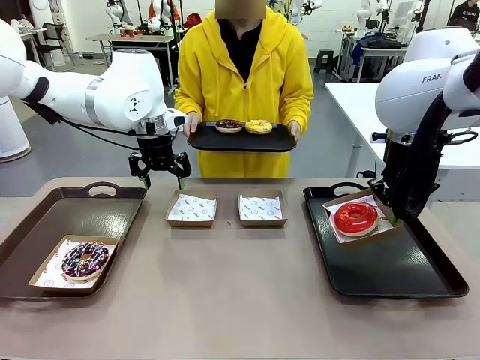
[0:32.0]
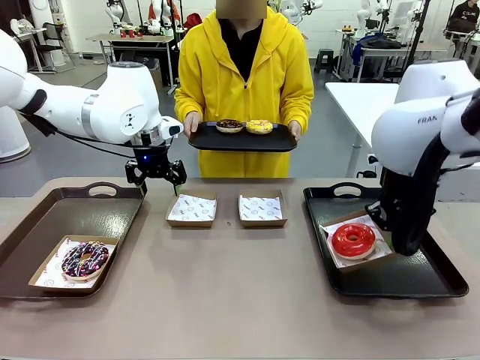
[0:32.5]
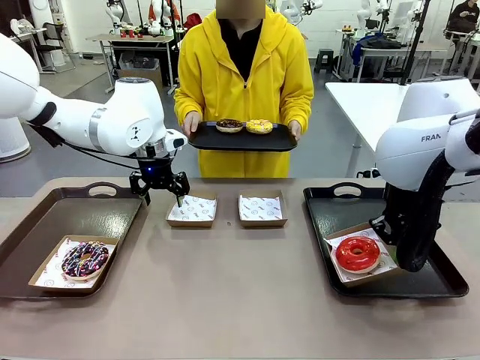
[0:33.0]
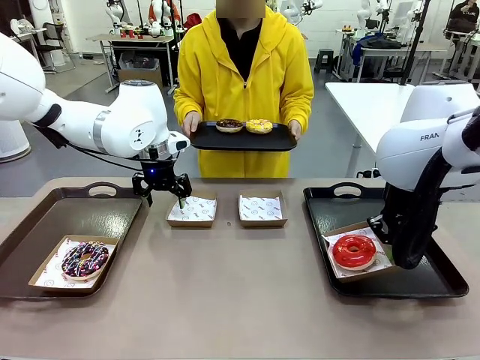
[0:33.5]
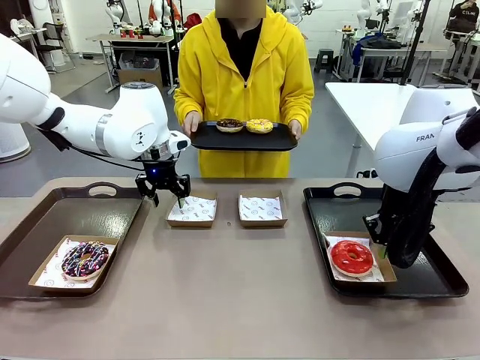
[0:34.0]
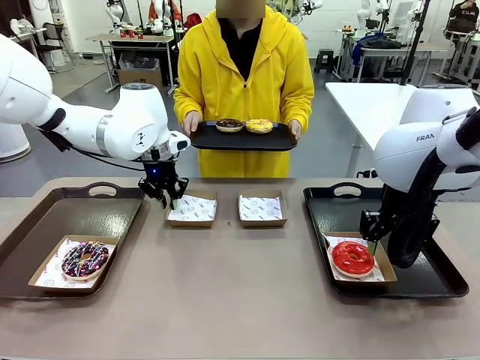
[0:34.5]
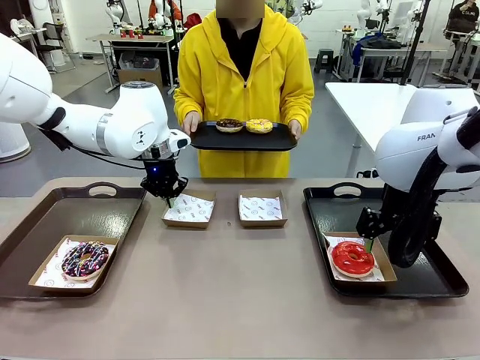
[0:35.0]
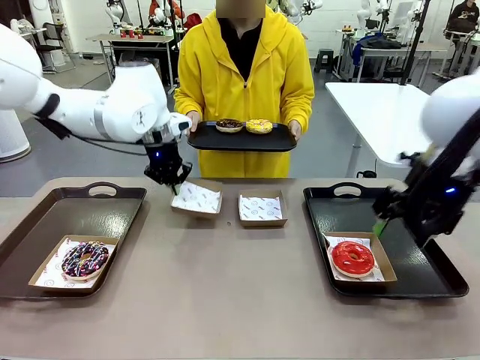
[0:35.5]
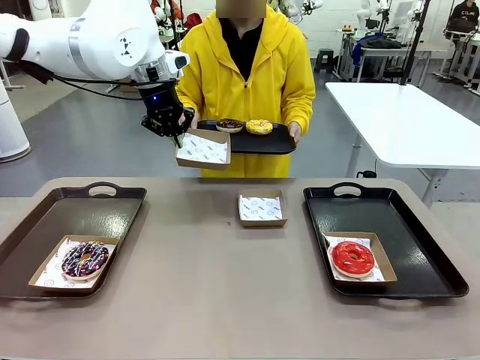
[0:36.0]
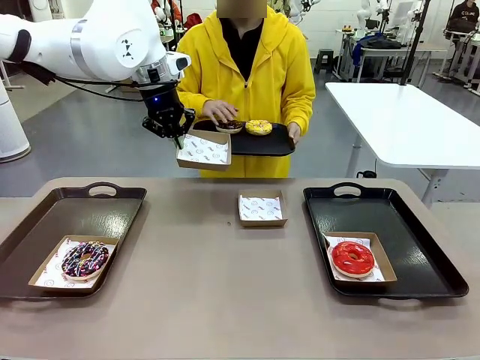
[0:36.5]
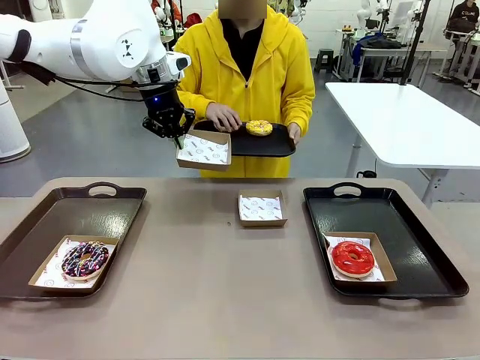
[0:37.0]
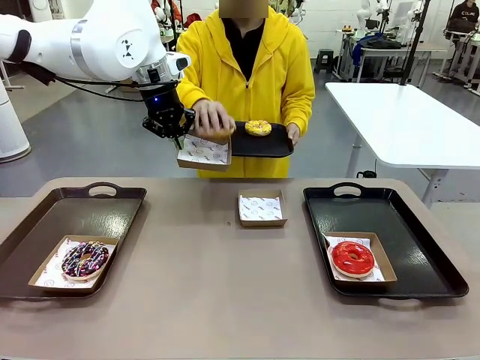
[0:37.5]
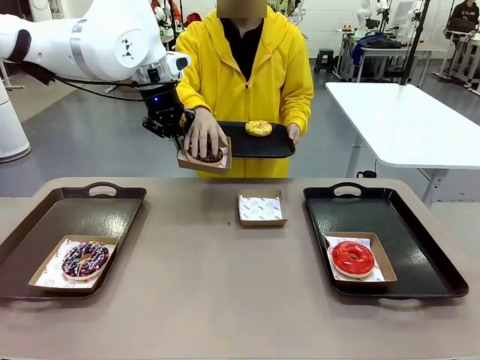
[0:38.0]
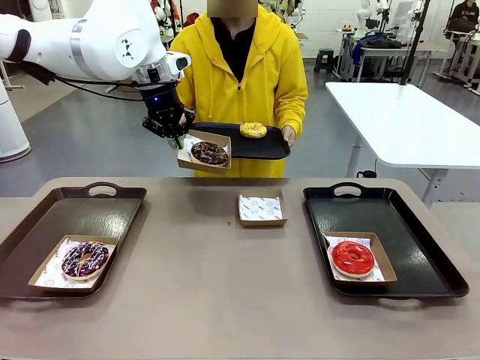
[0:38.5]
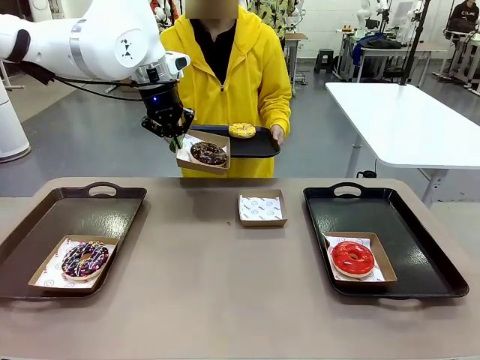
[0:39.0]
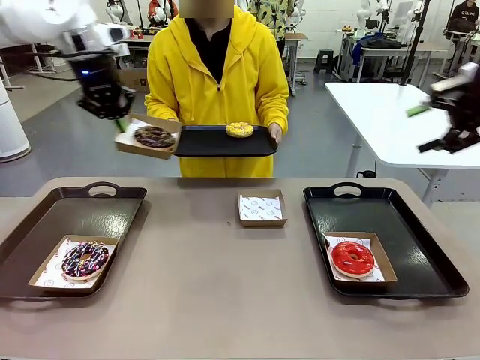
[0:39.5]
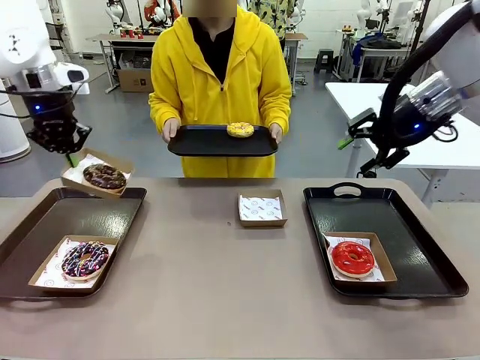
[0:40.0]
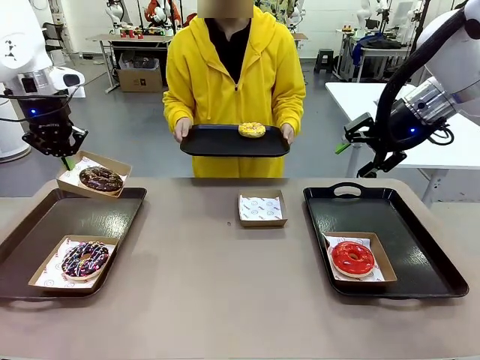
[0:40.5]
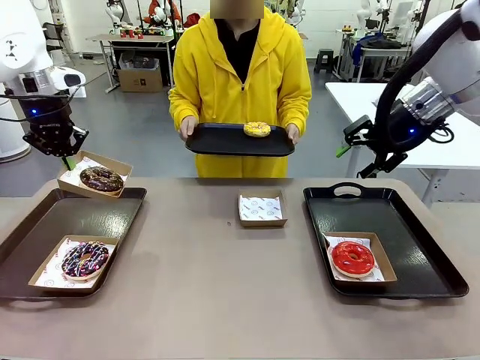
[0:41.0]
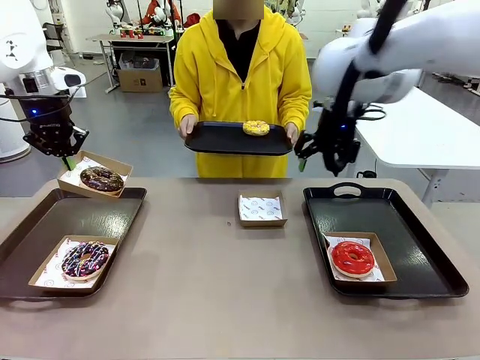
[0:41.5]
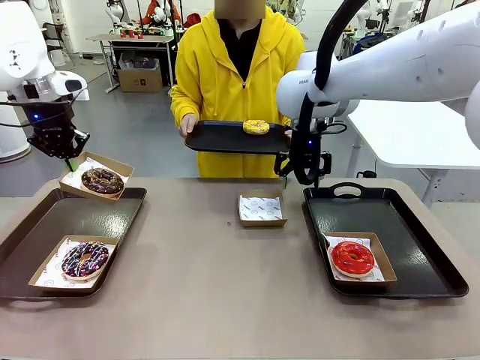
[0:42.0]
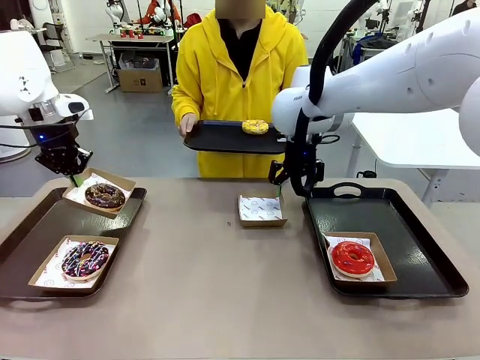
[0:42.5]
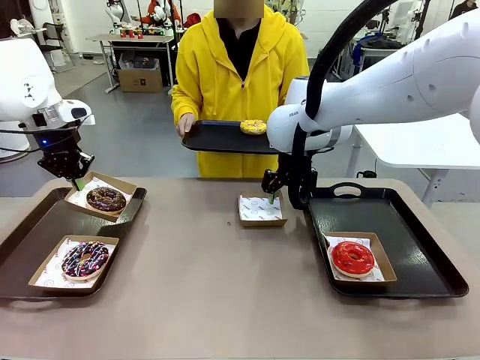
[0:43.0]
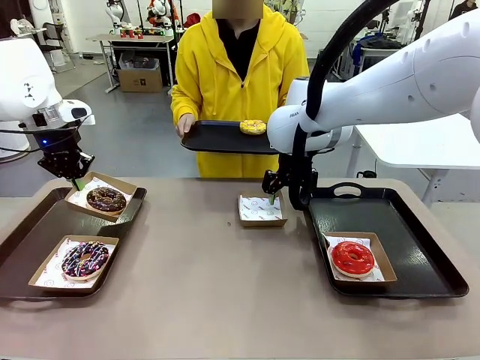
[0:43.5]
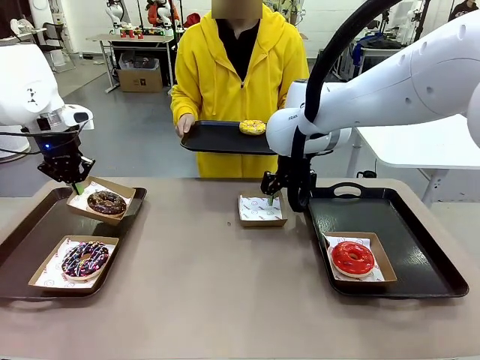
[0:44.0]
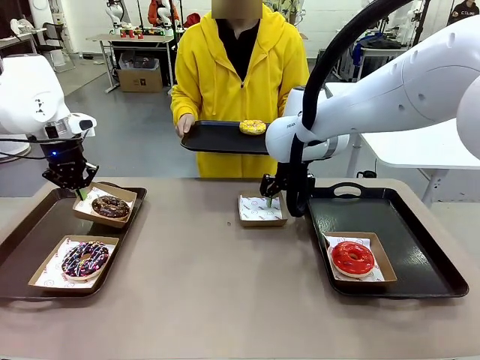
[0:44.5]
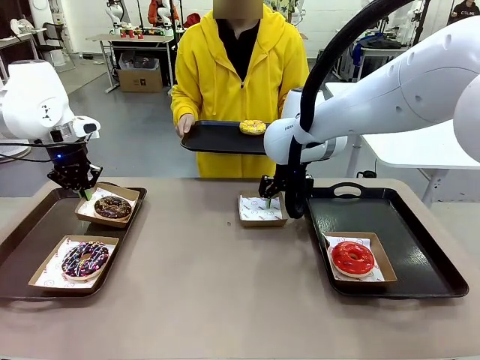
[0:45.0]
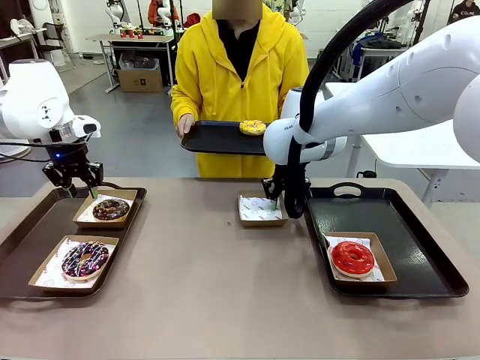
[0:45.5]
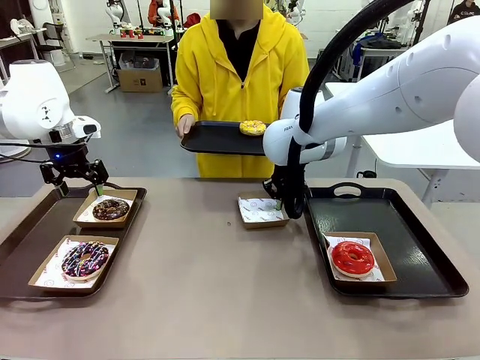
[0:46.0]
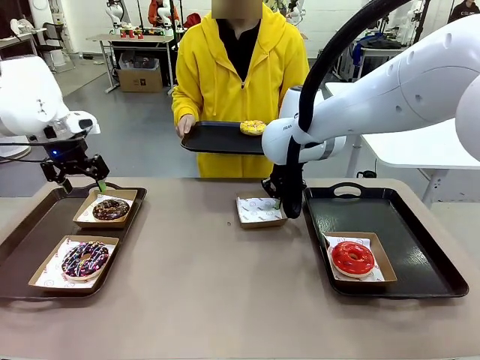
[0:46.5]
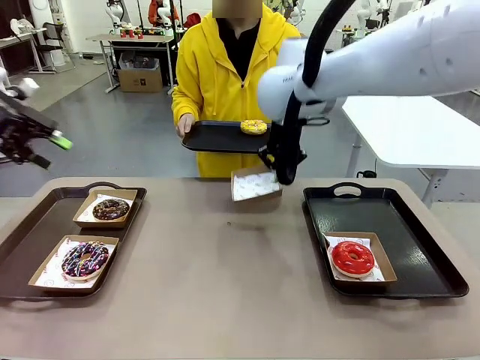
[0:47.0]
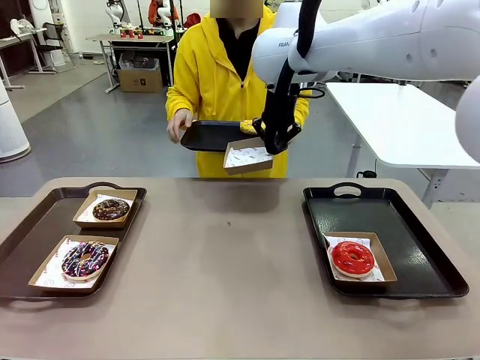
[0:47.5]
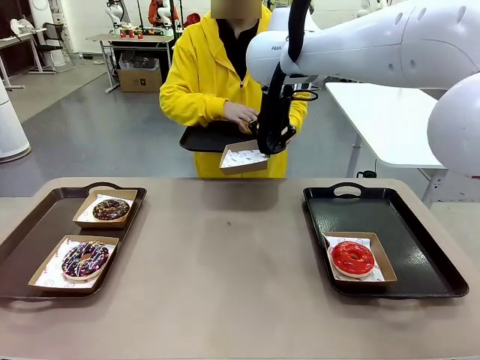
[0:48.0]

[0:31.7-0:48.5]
Task: Individually package the donuts and arrange them on the tray.
Robot: Place the picked Paper togo box on the Handle tray while simultaneously picking up another Paper togo box from the table with the other hand.

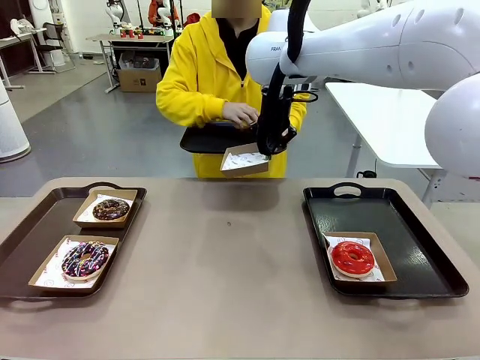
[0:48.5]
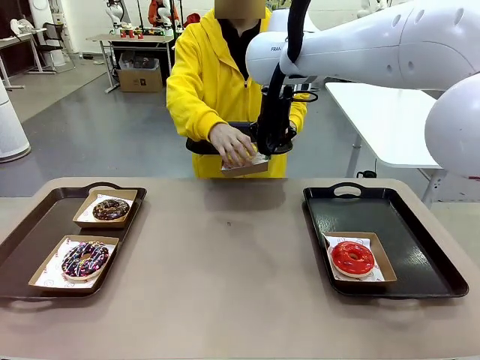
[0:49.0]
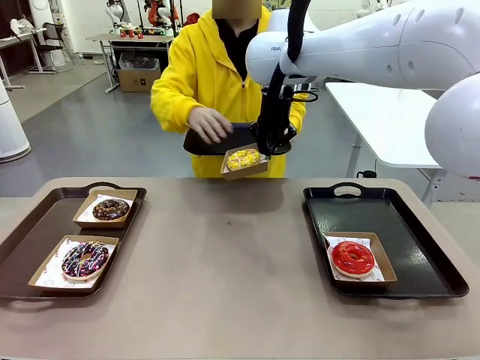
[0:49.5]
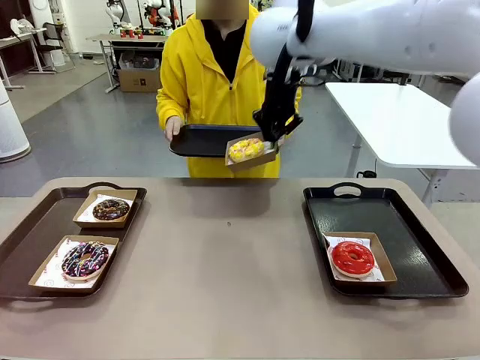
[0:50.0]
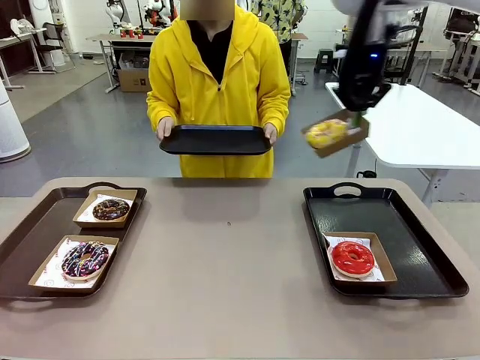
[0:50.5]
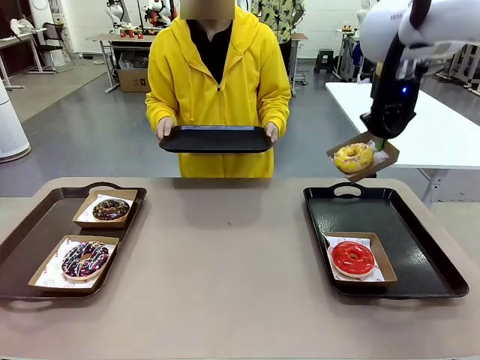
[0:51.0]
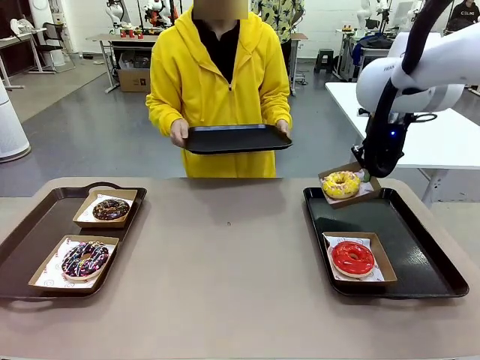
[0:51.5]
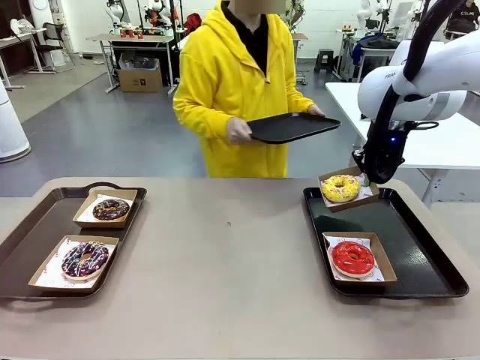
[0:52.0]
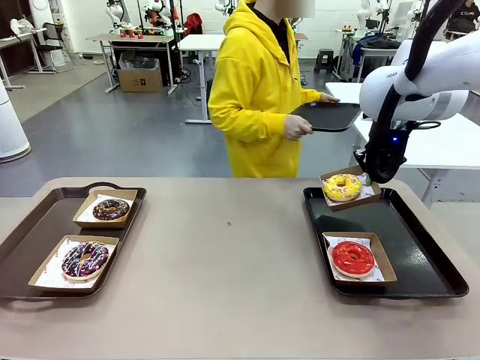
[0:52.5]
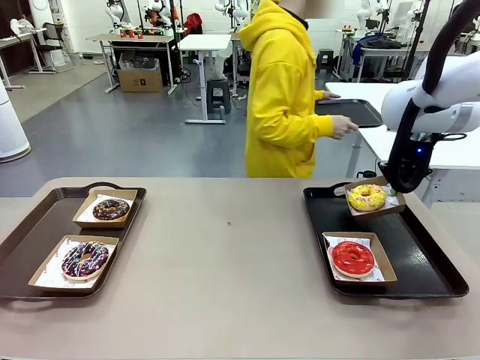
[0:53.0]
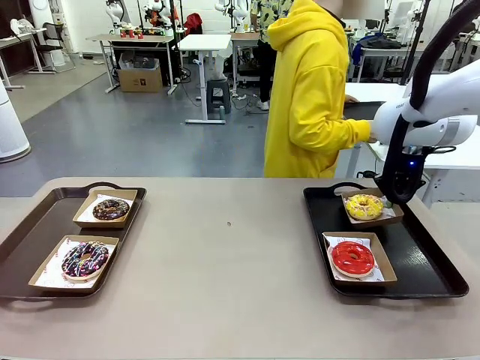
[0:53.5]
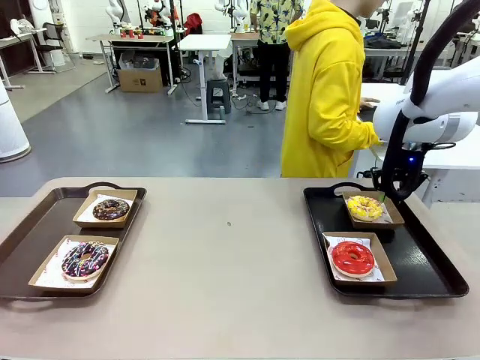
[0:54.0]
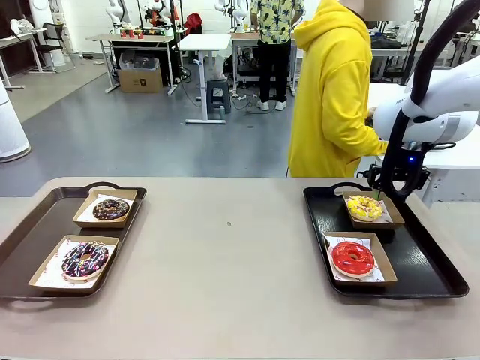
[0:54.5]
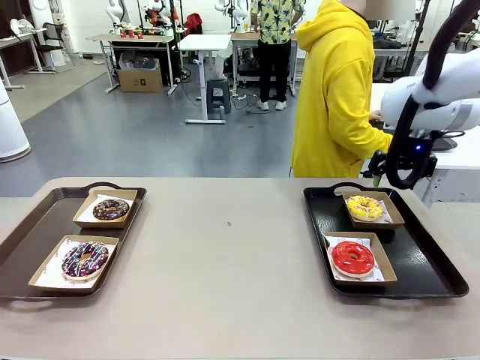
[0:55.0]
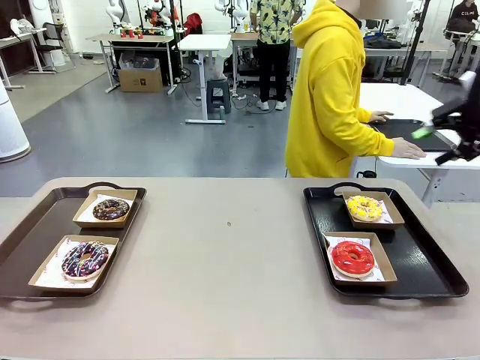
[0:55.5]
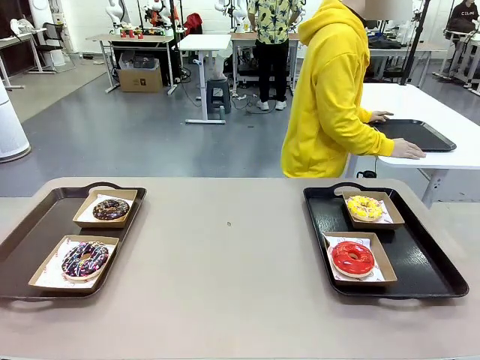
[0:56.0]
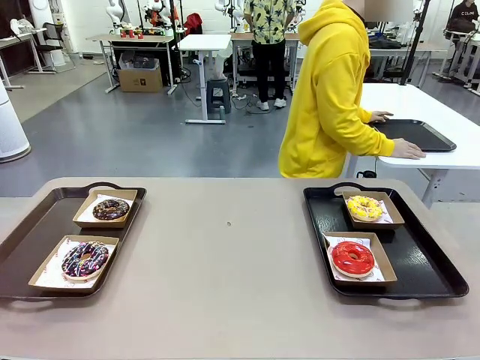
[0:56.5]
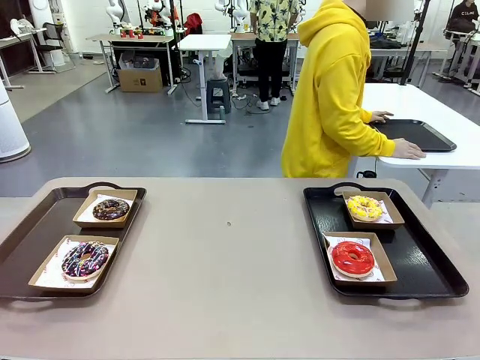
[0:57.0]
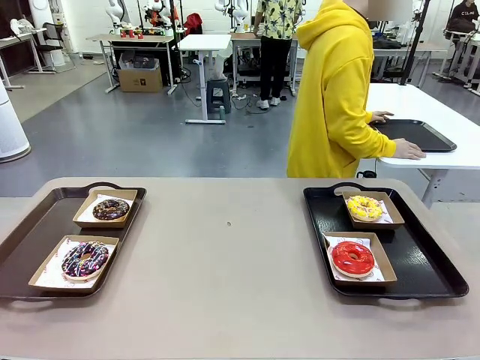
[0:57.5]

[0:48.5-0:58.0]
Robot: Place the picked Paper togo box on the Handle tray.
Person: Place the tray down in the middle of the human table.
